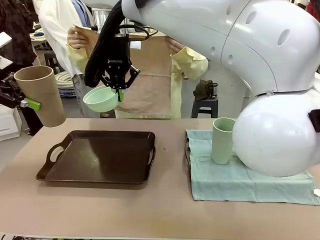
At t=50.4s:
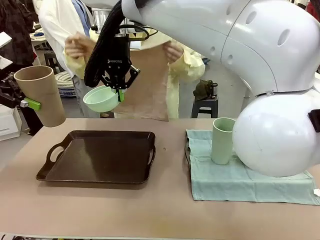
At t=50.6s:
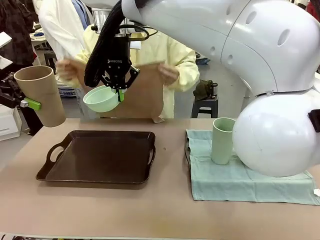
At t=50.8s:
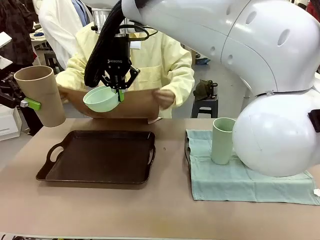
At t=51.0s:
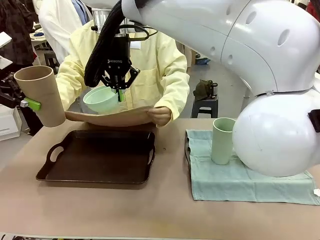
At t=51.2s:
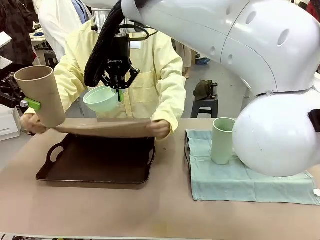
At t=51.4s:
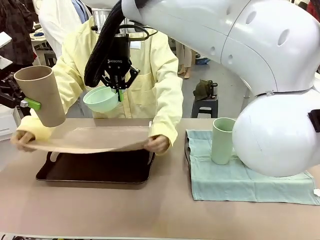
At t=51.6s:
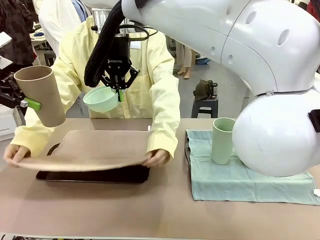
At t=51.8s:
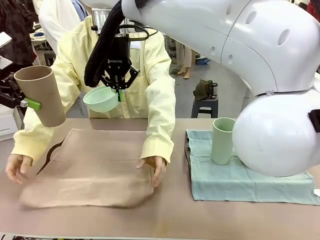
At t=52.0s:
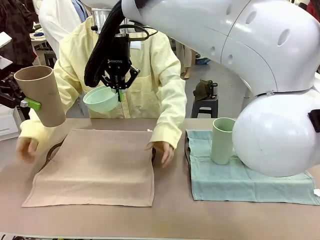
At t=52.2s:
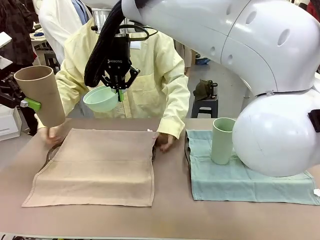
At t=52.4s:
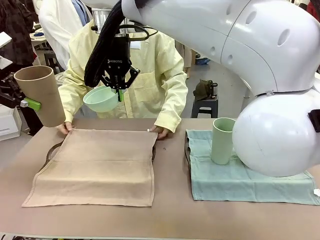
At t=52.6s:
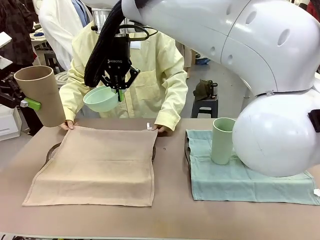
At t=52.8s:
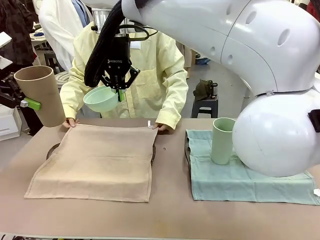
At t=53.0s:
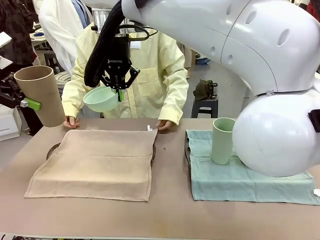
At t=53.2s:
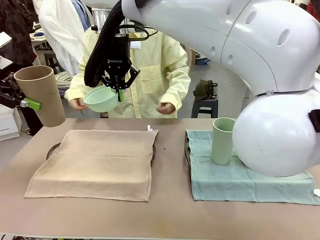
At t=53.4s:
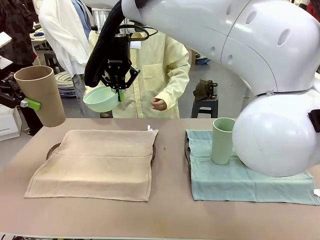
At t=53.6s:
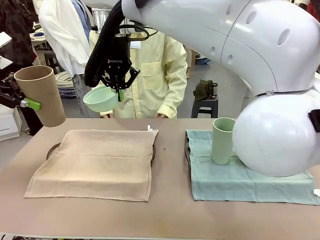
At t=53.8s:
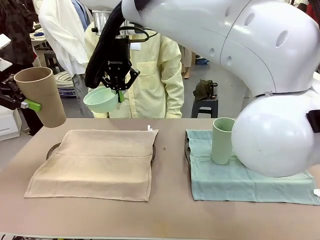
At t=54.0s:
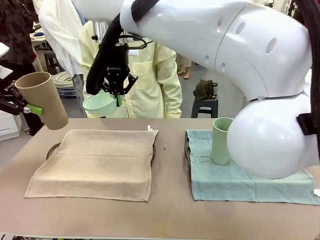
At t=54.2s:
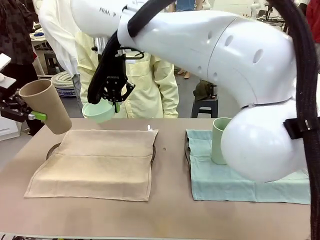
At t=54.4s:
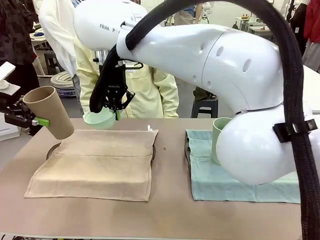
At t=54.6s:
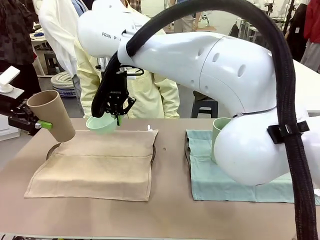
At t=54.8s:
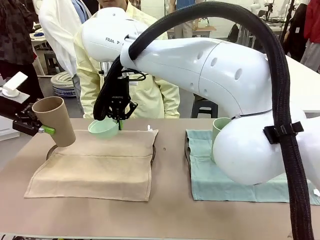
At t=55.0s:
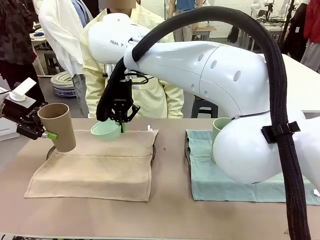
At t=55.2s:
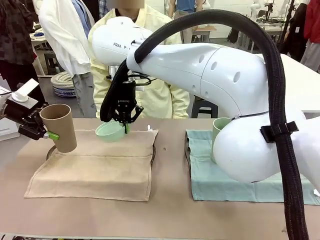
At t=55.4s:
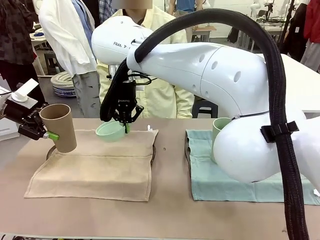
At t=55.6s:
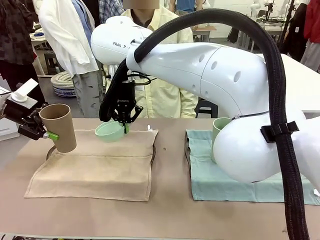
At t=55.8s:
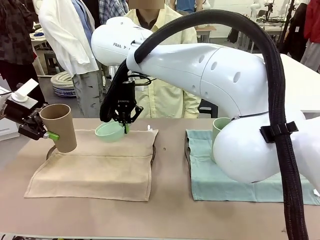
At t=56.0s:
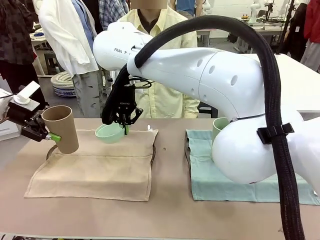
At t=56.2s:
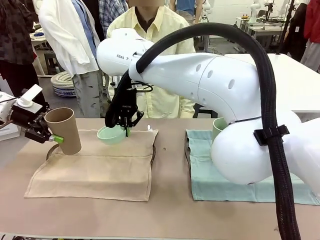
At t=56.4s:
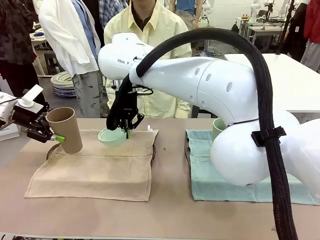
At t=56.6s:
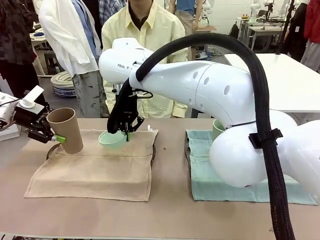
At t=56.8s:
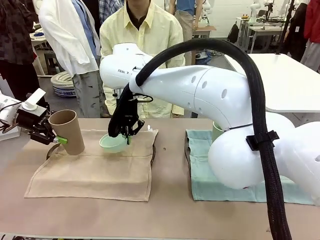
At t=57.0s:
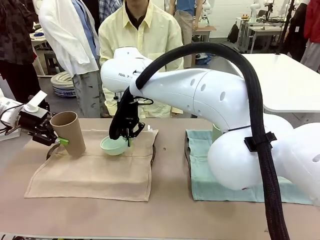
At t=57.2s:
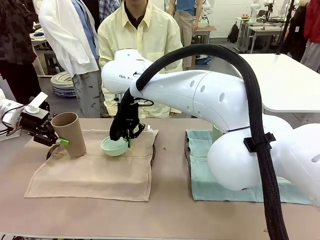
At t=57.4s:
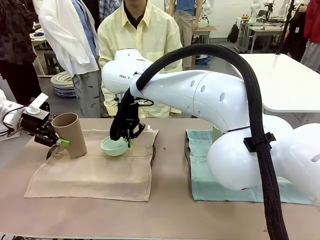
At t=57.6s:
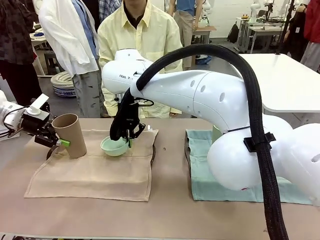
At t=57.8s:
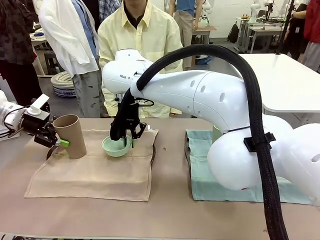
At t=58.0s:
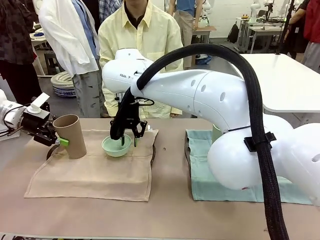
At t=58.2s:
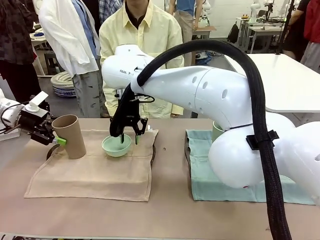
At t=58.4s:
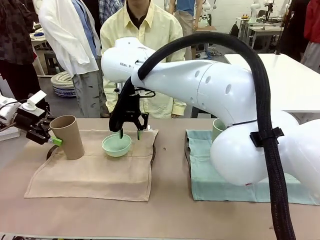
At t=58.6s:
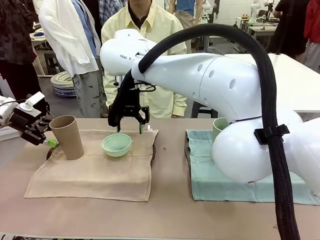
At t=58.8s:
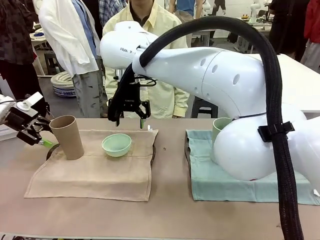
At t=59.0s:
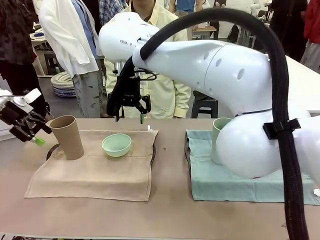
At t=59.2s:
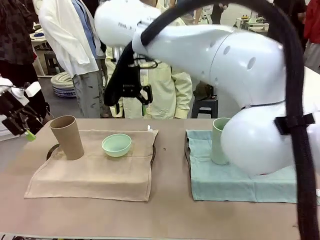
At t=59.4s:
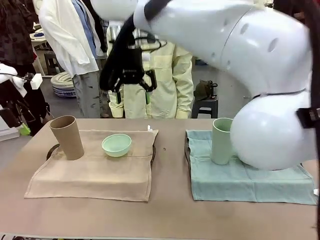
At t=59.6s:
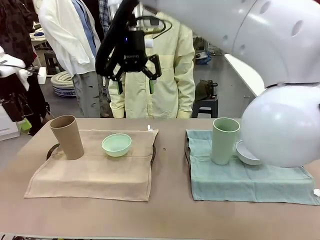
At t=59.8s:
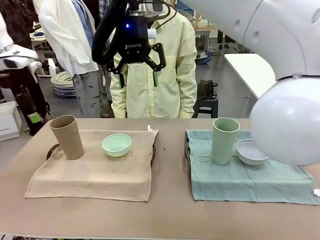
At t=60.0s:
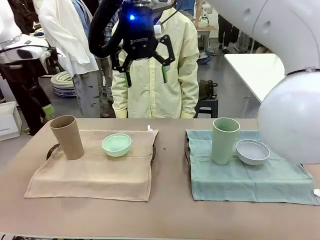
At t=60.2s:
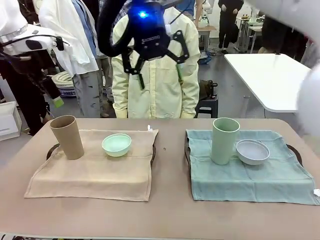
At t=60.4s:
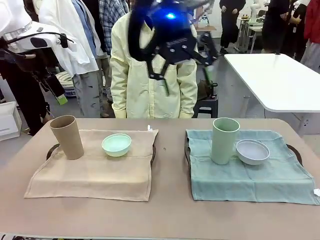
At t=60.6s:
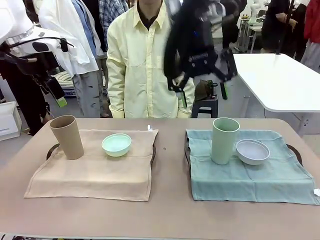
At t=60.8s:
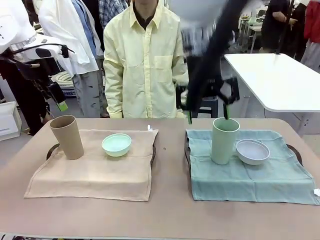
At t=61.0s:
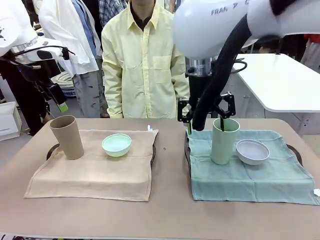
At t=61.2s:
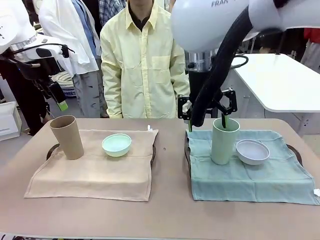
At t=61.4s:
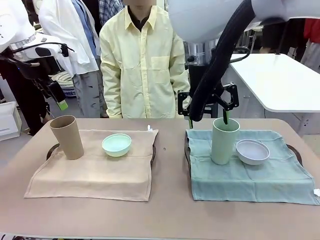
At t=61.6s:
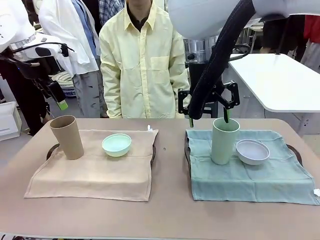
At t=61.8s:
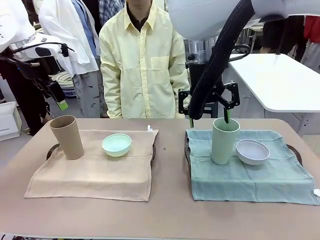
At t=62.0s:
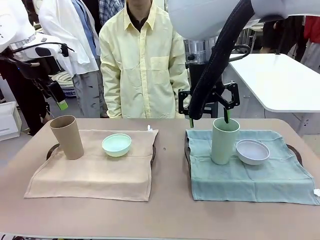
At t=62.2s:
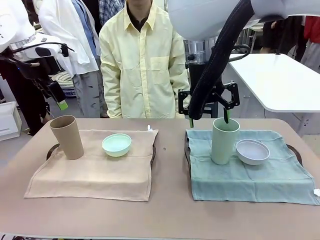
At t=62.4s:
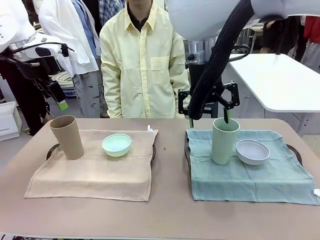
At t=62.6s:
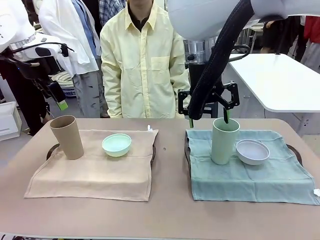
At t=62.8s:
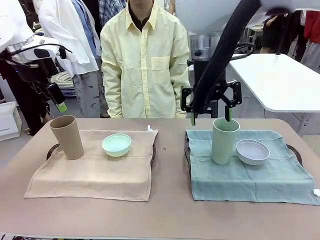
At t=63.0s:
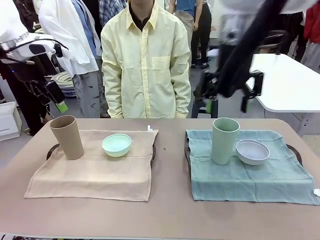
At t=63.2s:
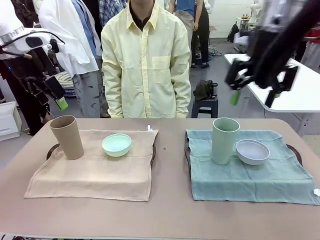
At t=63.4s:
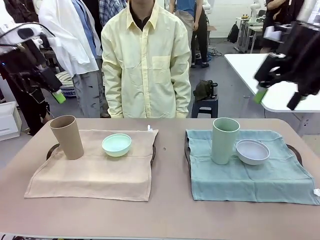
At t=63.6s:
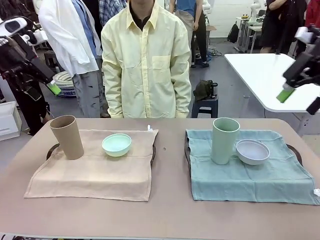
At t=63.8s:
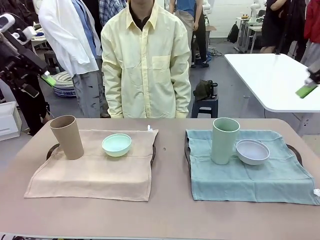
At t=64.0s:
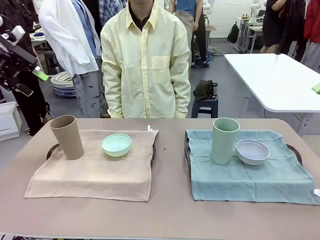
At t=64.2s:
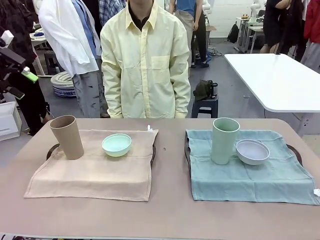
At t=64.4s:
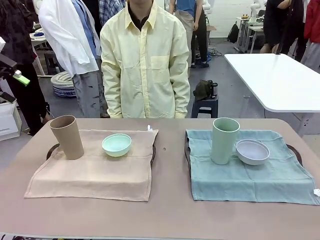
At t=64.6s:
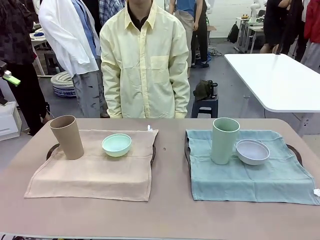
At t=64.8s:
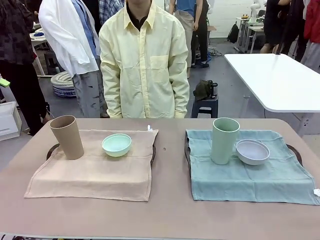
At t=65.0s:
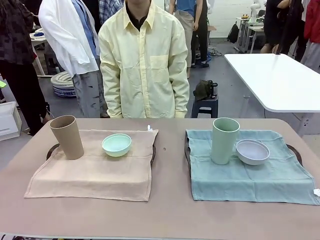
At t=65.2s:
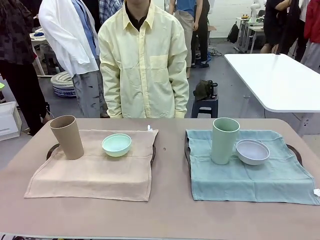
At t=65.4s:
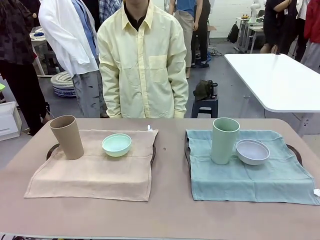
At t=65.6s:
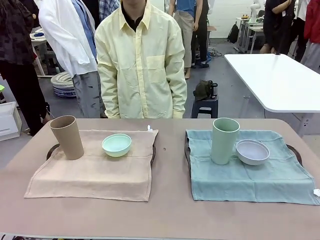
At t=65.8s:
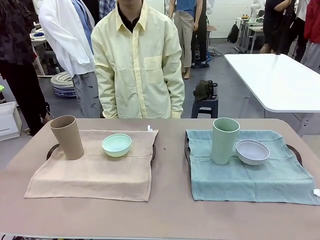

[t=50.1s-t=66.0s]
Robot: Place the Picnic Bowl and Reusable plastic cup back onto the Handle tray in front of the human's position.

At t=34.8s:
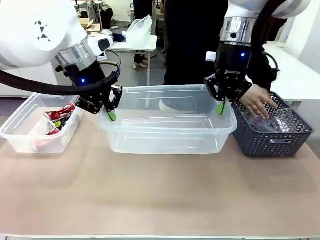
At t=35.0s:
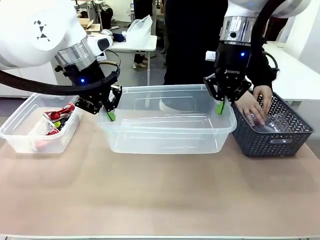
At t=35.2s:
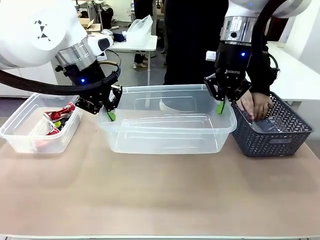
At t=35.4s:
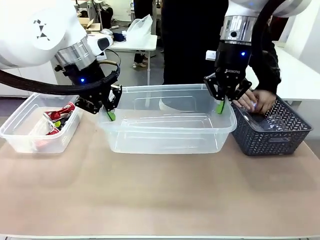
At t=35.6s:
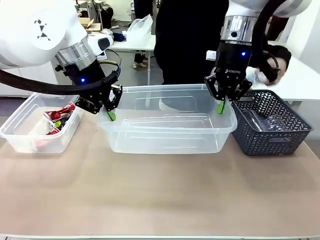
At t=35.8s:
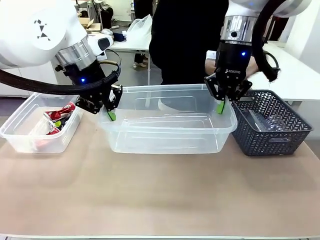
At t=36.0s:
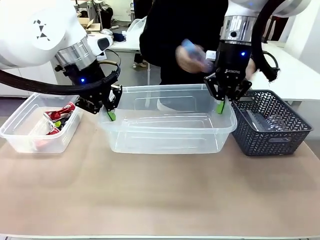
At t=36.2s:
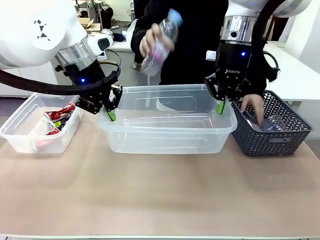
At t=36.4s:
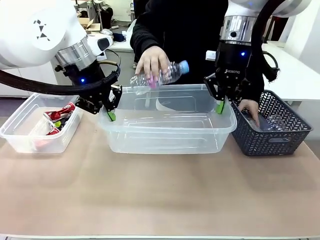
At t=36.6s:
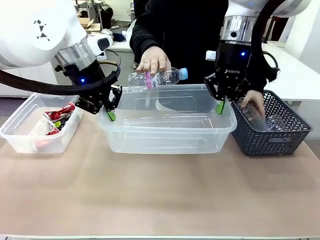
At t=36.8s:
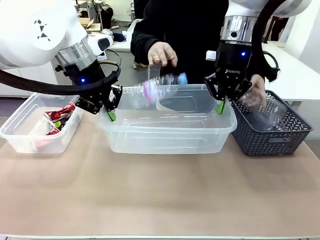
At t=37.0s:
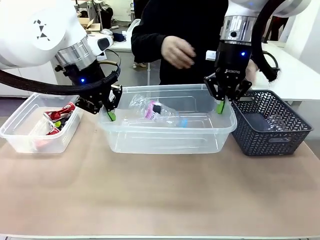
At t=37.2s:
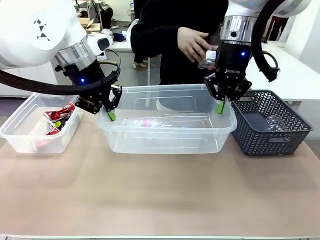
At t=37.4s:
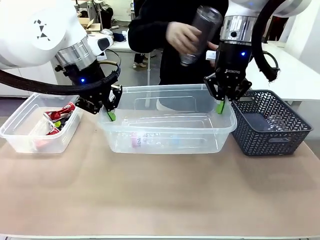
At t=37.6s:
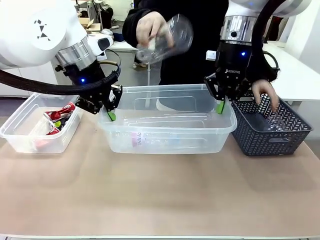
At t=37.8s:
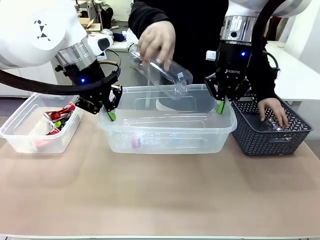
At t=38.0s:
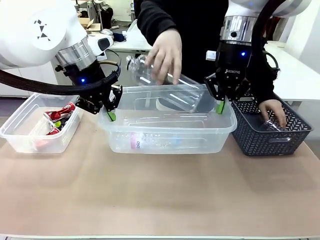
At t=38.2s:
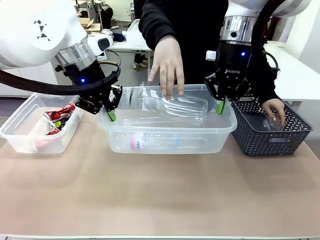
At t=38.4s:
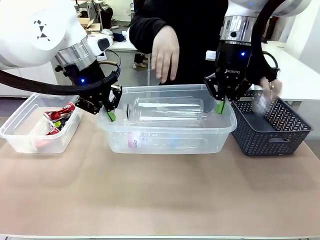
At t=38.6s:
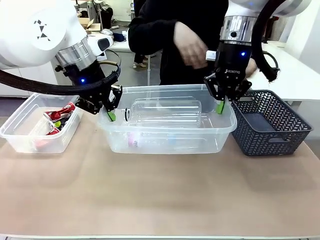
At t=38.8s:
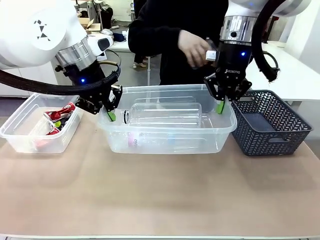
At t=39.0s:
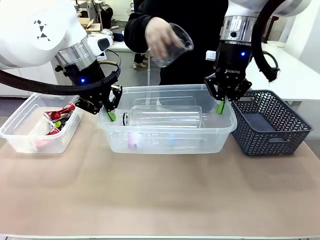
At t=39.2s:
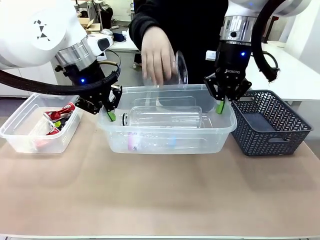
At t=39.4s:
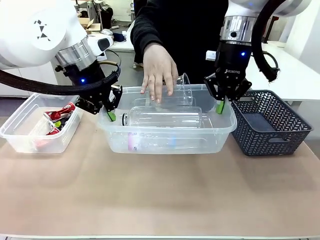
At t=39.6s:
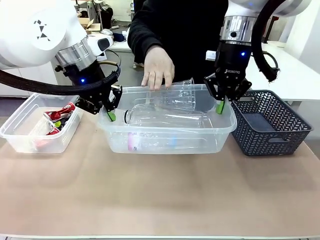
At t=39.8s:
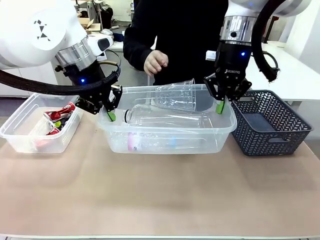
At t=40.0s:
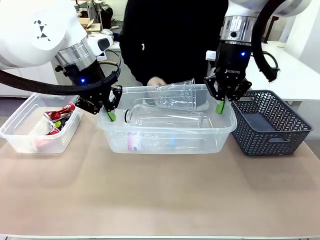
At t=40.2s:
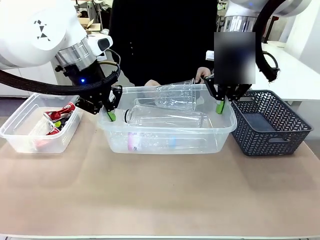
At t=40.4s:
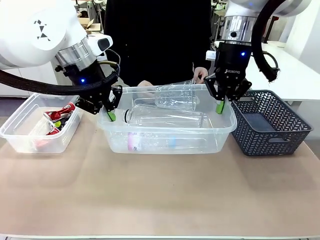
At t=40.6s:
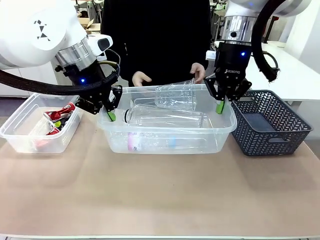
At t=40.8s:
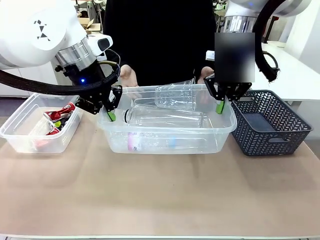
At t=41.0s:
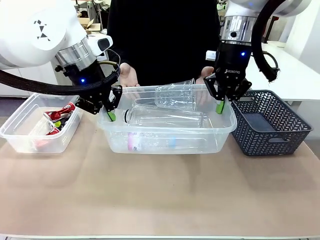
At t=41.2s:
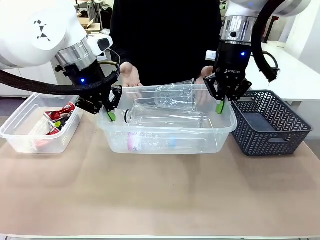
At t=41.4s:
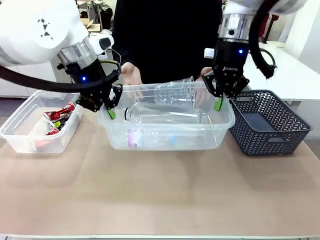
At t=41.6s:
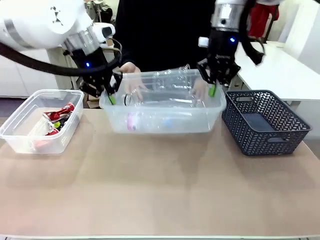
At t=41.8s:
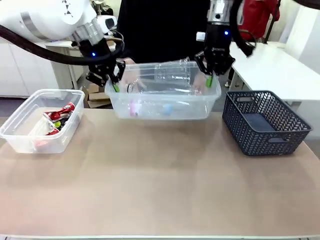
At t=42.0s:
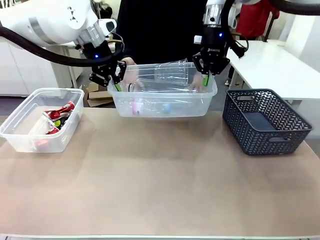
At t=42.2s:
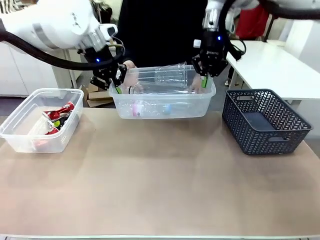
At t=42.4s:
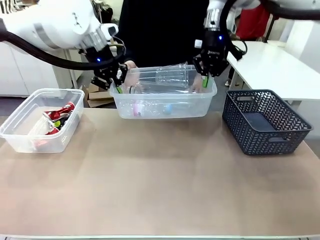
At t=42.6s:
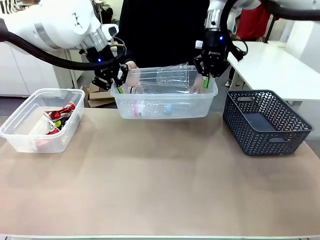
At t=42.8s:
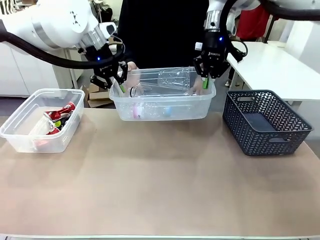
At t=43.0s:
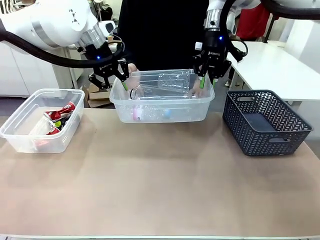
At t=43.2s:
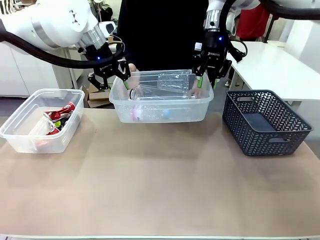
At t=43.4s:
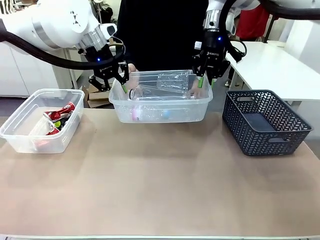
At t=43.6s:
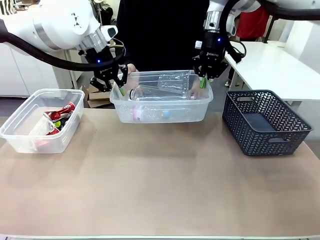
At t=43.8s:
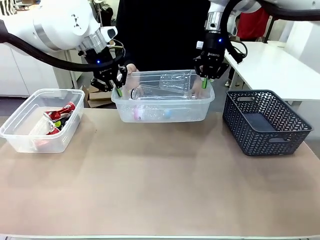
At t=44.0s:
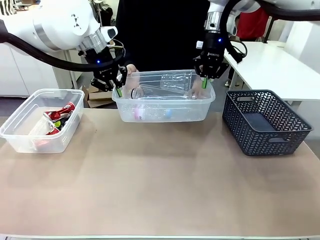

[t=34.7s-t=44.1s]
Robot: Offer the picked Organizing box to the human.
Person: Pick up the organizing box extended by the robot.
